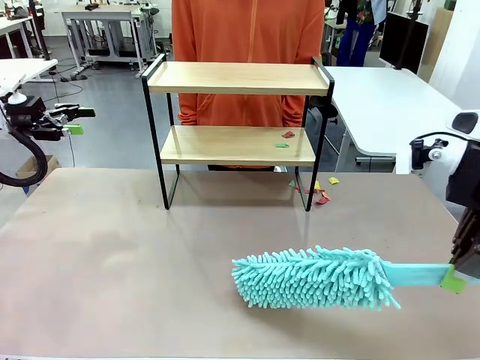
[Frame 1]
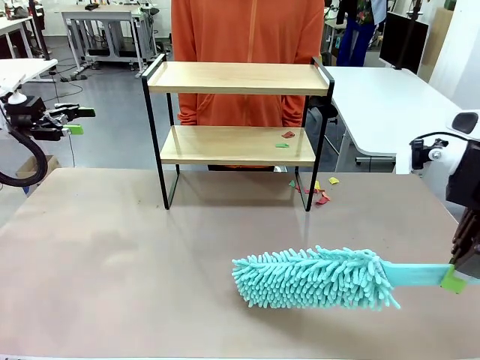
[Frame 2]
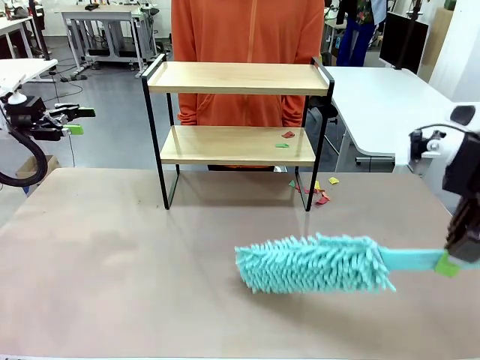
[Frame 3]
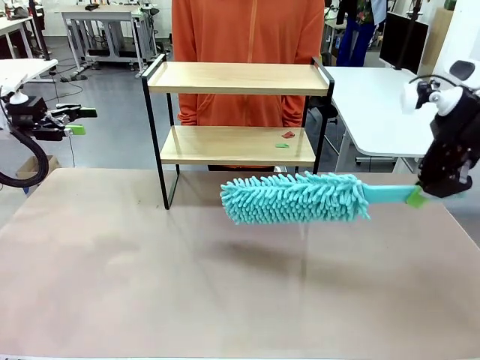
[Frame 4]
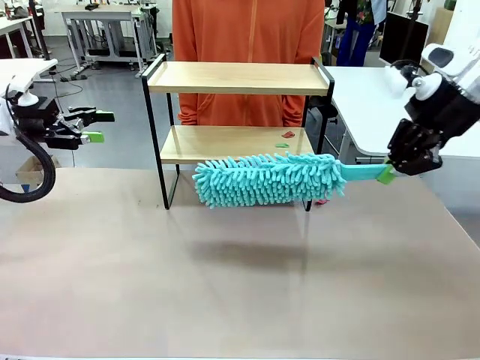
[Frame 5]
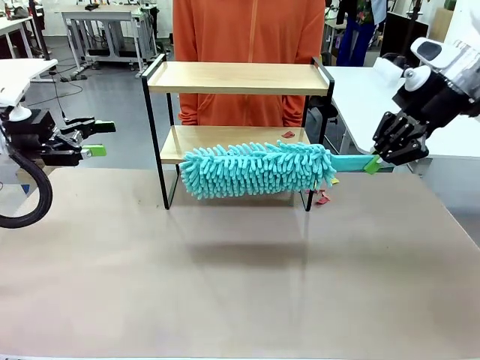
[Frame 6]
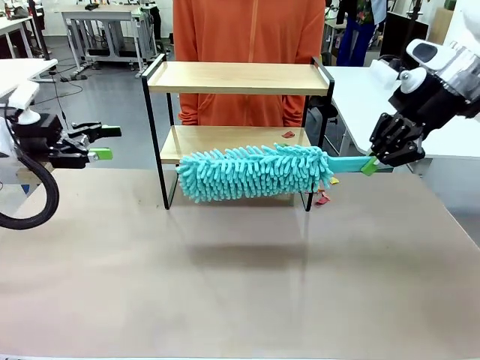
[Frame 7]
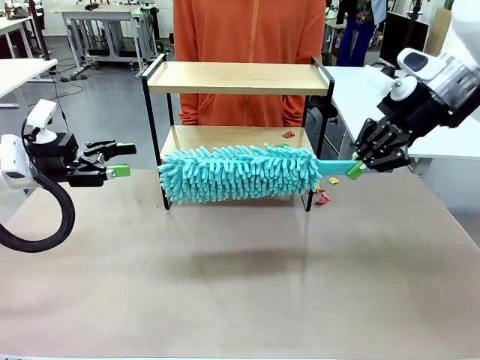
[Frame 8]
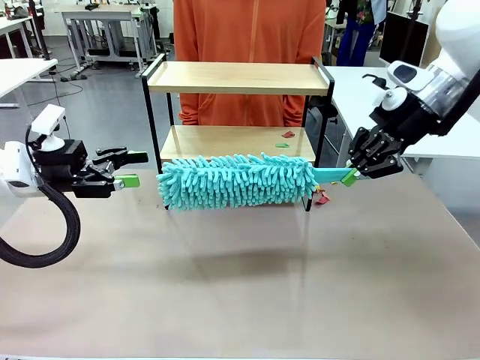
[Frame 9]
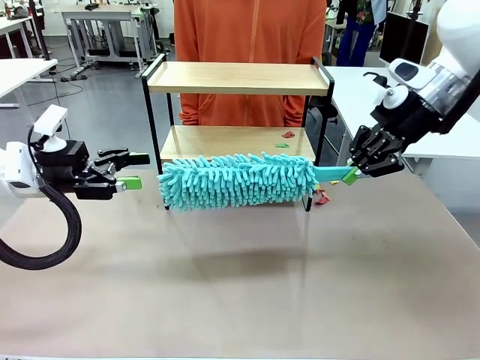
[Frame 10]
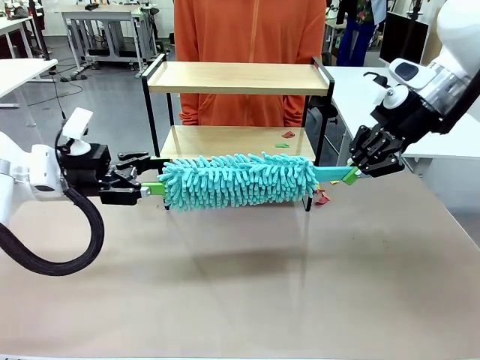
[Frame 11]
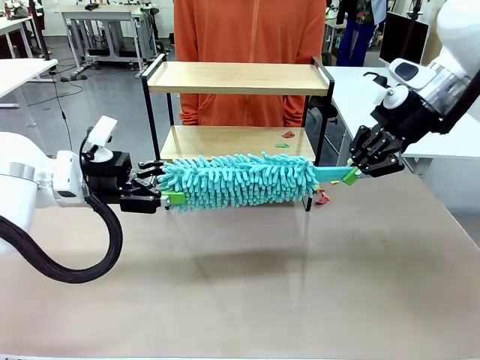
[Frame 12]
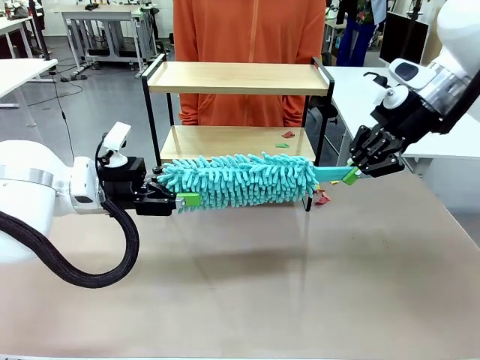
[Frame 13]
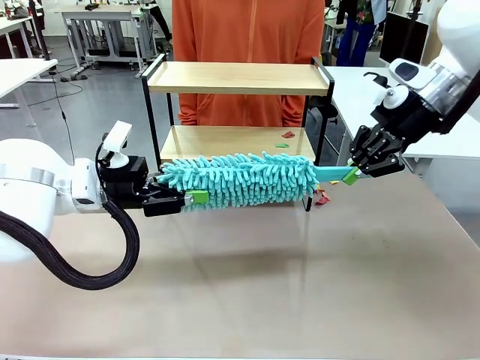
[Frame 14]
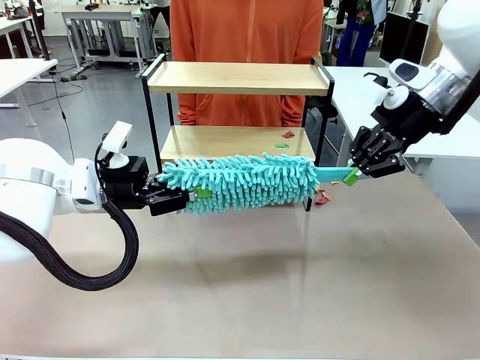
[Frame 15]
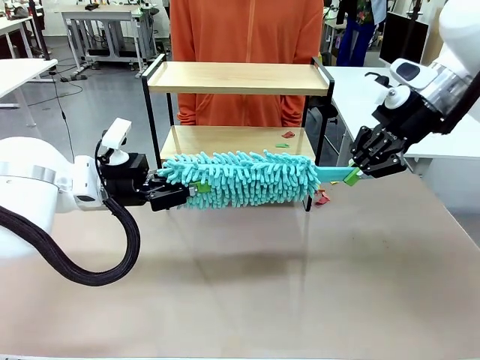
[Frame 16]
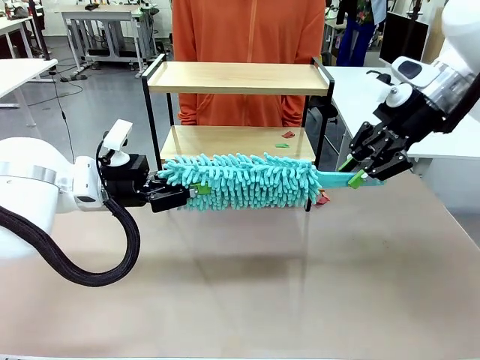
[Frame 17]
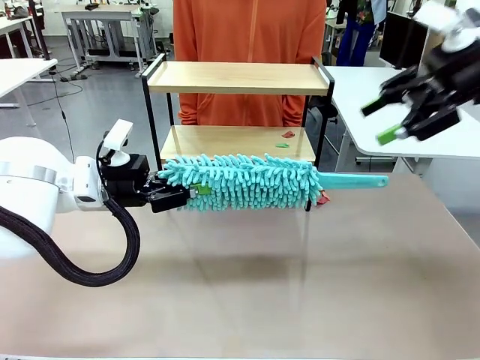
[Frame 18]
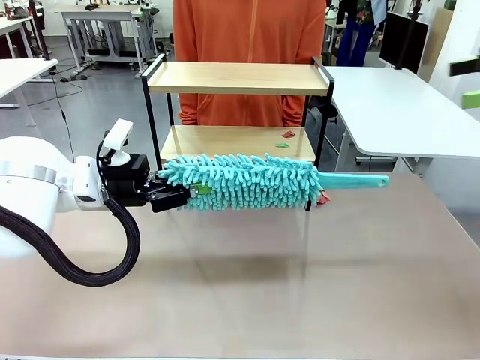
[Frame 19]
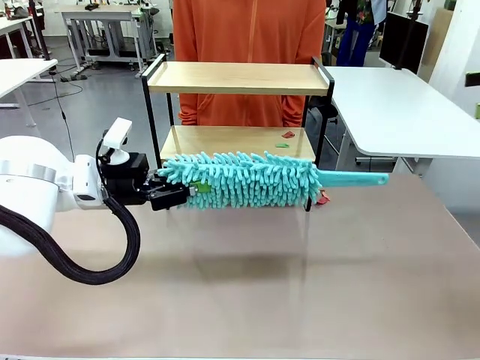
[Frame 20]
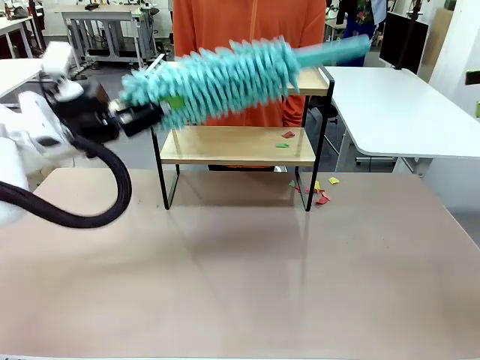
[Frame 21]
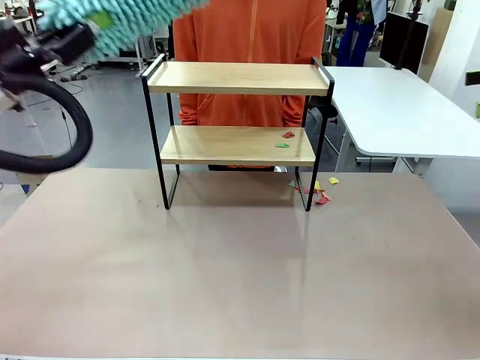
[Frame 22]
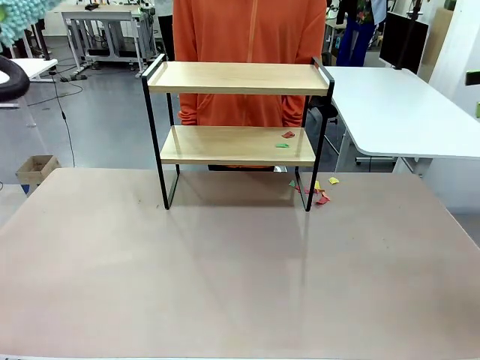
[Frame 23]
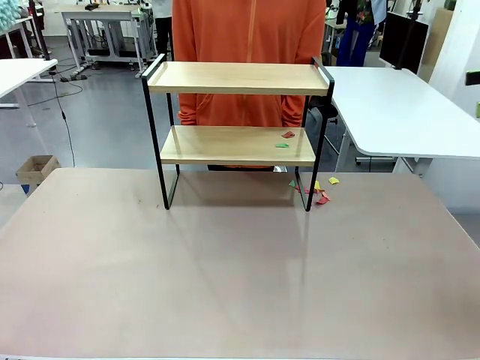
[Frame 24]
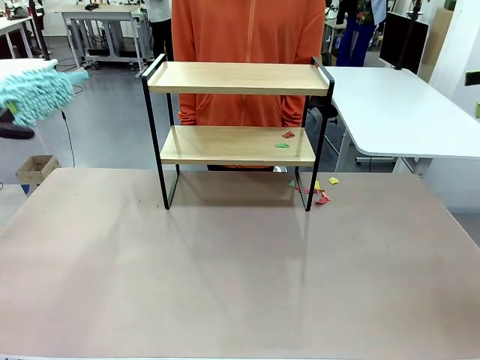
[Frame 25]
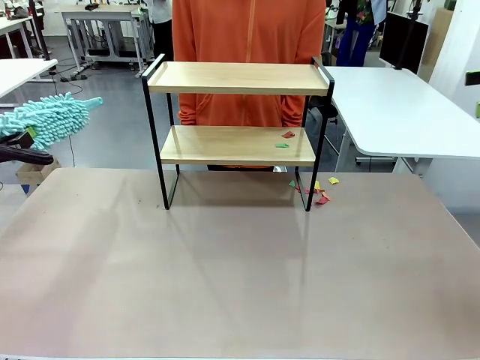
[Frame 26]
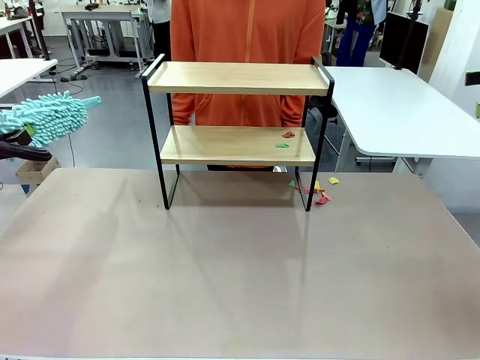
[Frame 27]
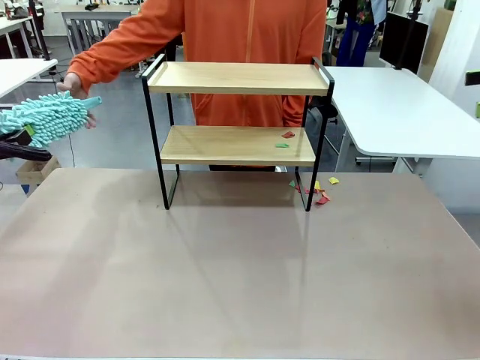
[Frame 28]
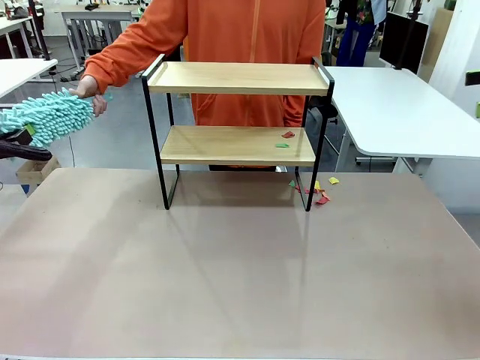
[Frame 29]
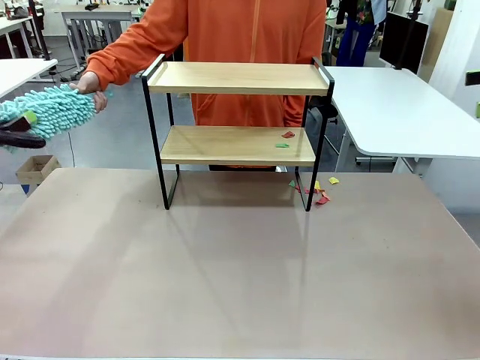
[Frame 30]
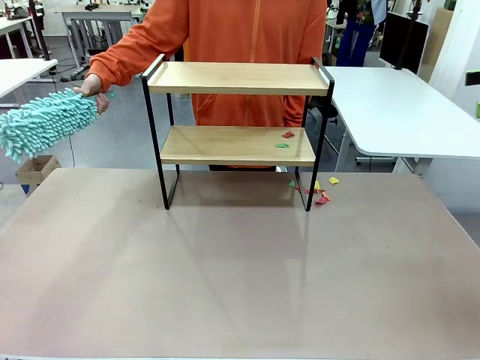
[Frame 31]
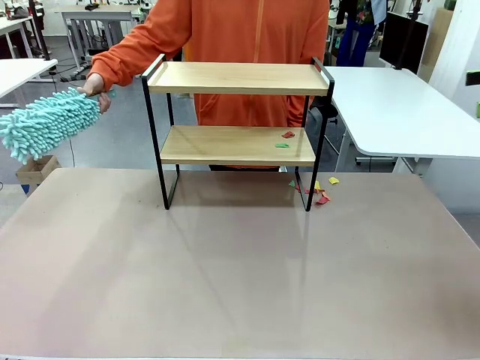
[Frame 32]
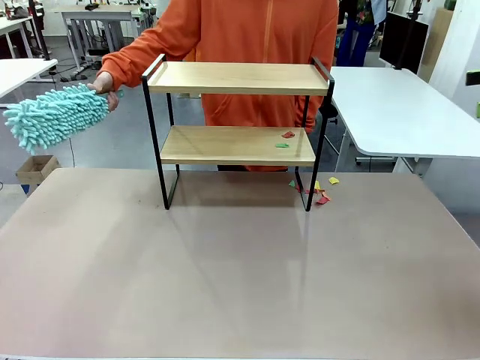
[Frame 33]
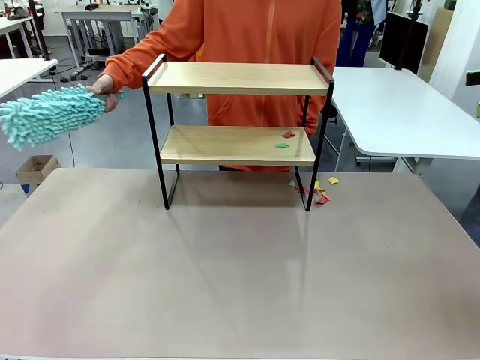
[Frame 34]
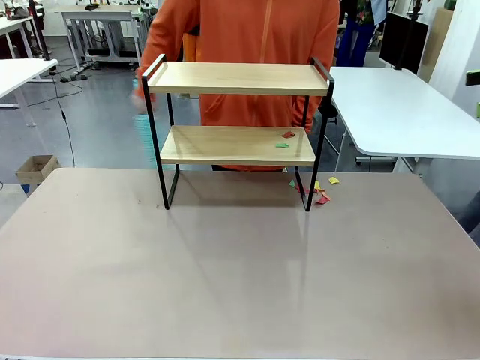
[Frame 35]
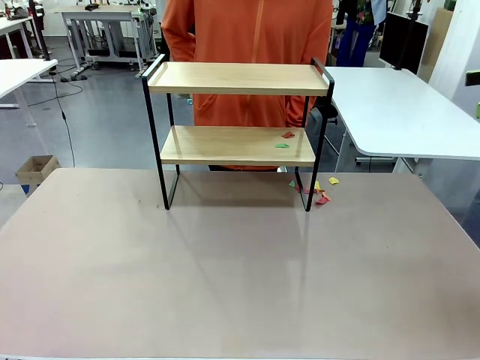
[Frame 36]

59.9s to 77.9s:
Task: Clean the shelf.
Robot: Hand the Duster back to the human.
Person: Receive the Duster from the robot.

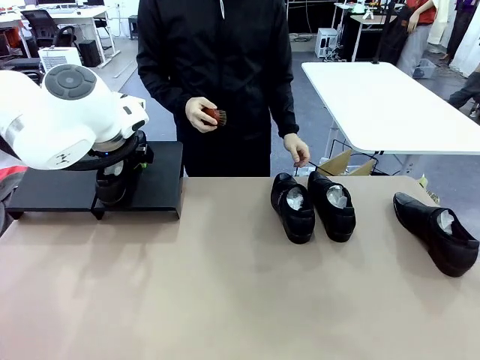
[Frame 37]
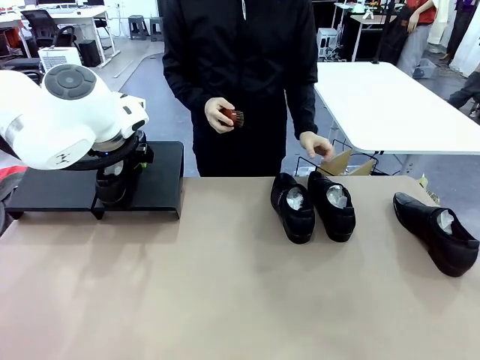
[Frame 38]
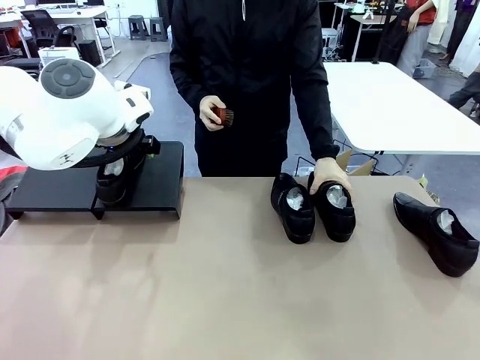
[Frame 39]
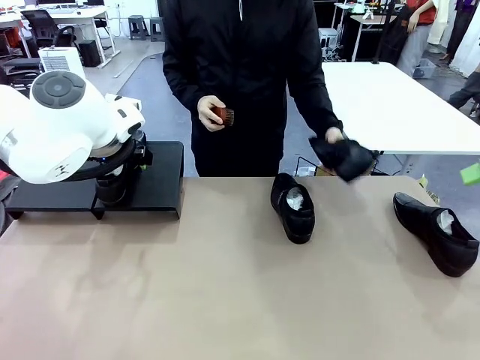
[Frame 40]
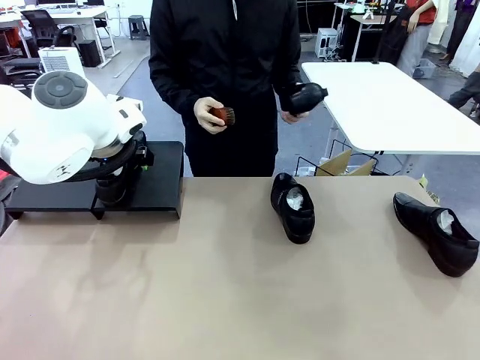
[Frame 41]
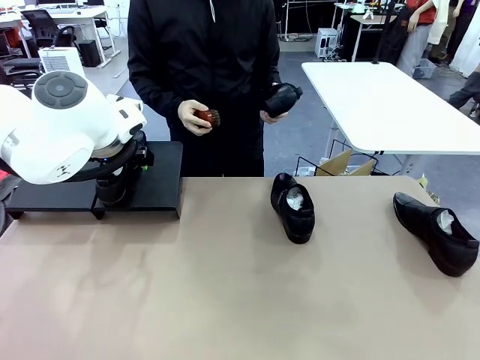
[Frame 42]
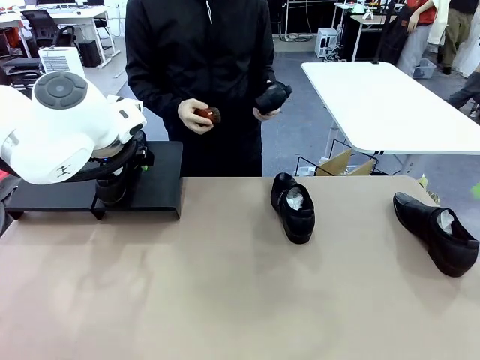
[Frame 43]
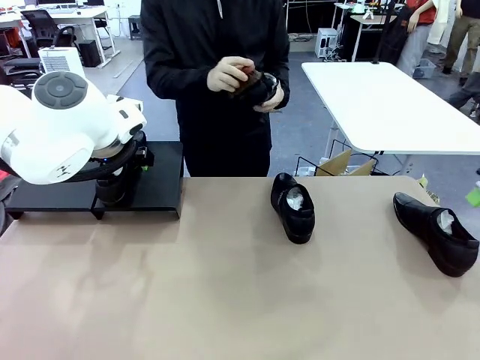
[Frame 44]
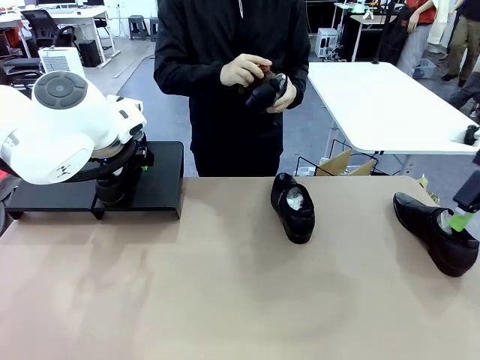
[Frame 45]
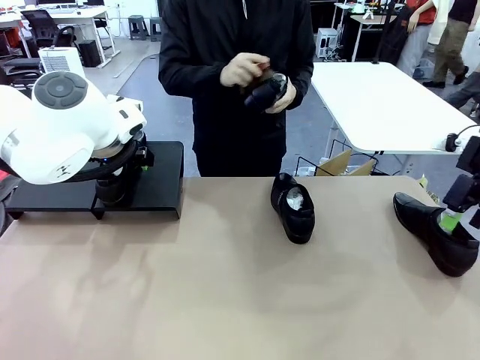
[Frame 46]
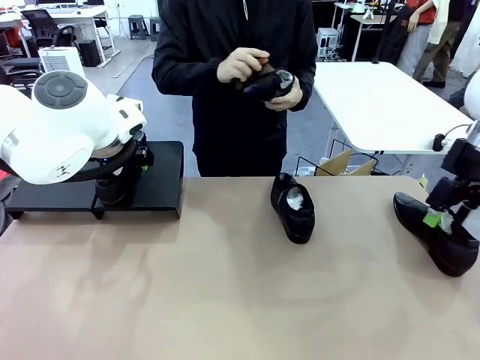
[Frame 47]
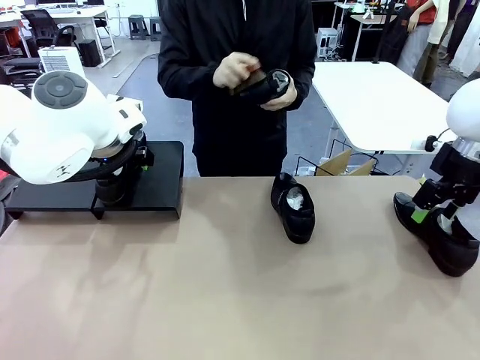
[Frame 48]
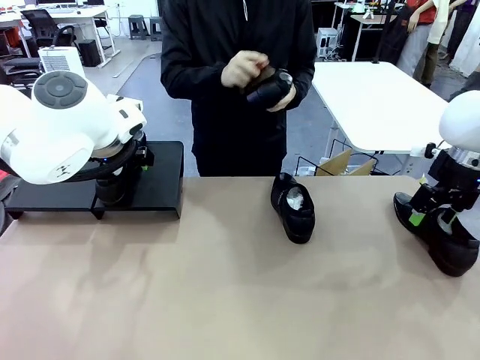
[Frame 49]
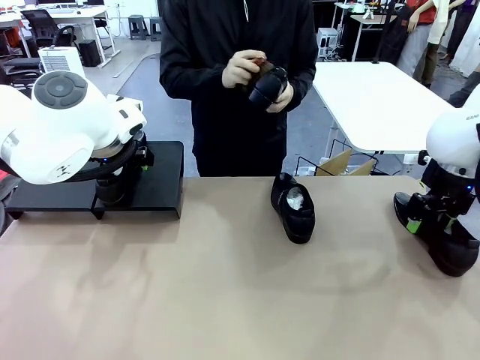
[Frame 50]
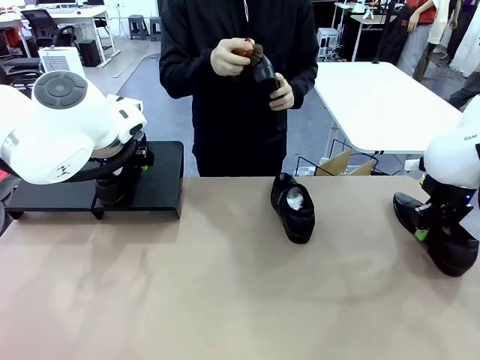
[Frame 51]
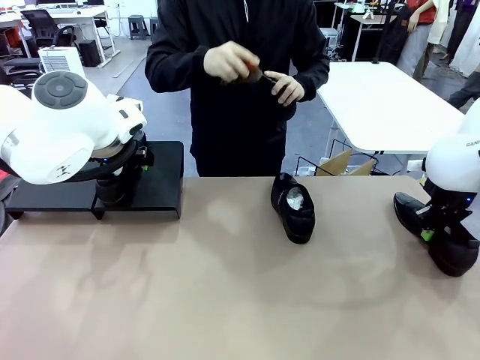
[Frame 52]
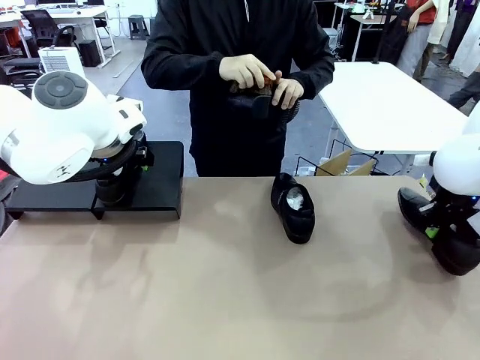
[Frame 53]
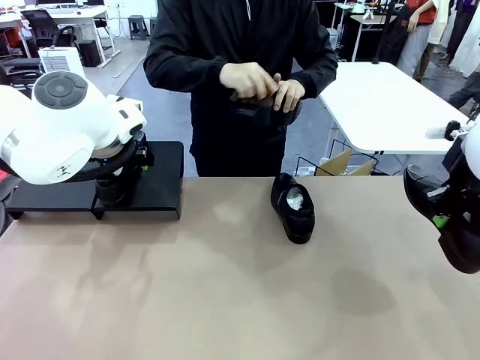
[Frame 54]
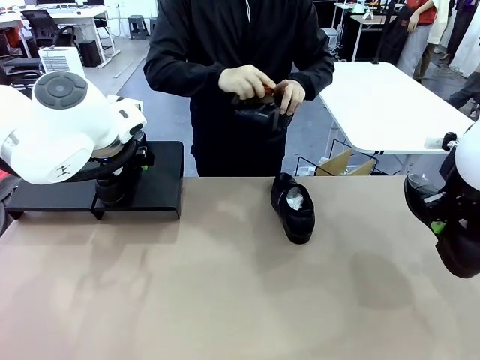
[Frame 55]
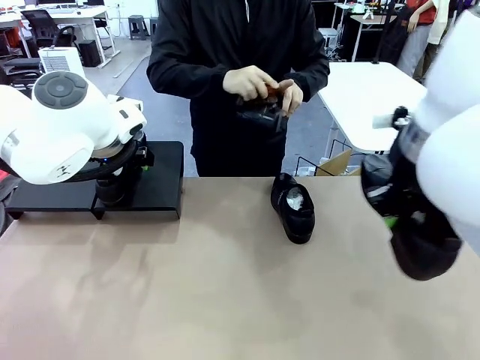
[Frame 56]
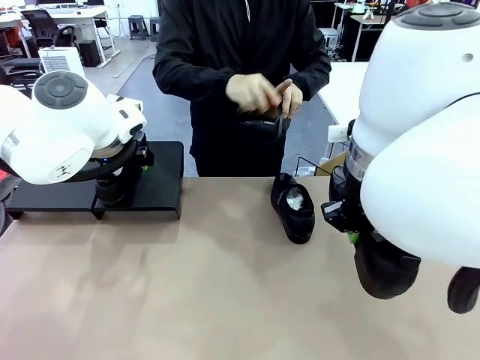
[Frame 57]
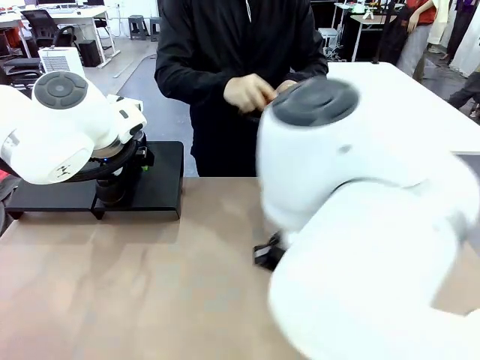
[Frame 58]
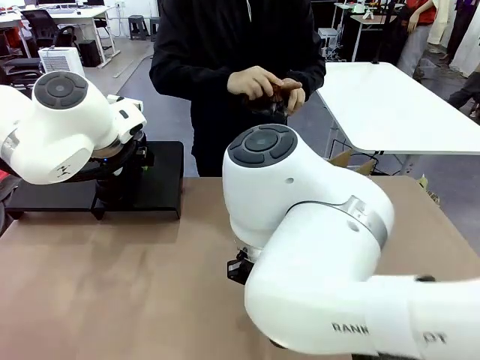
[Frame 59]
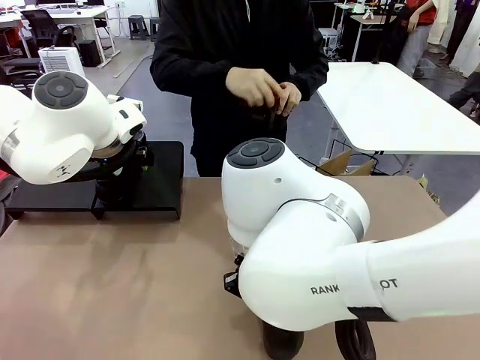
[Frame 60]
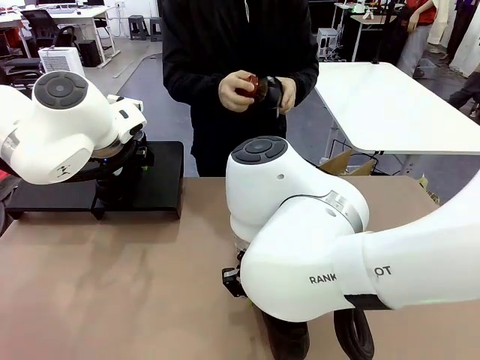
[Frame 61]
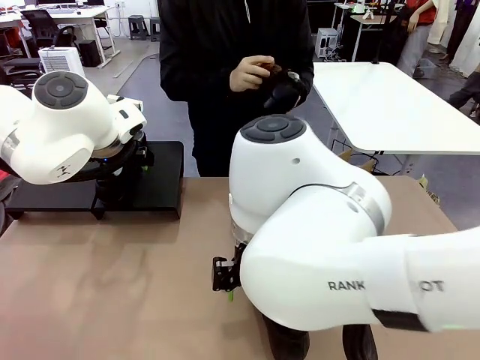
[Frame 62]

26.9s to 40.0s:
Task: Organize the shoes by placing them on the stand.
Robot: Pick up one Shoe and place it in the middle of the table.
Person: Pick one Shoe on Robot's table. Clean the Shoe with the Shoe Brush.
